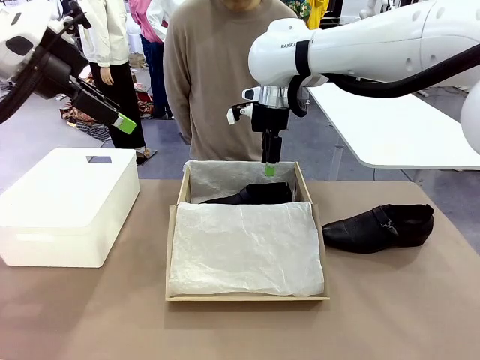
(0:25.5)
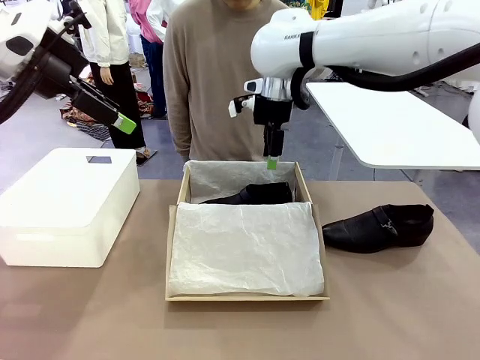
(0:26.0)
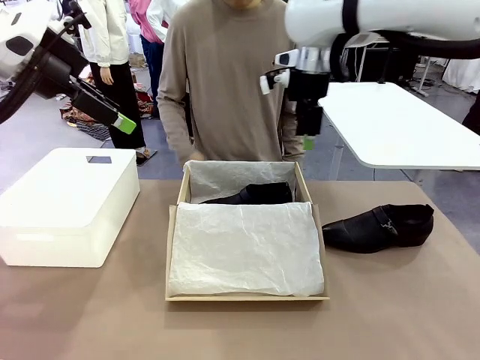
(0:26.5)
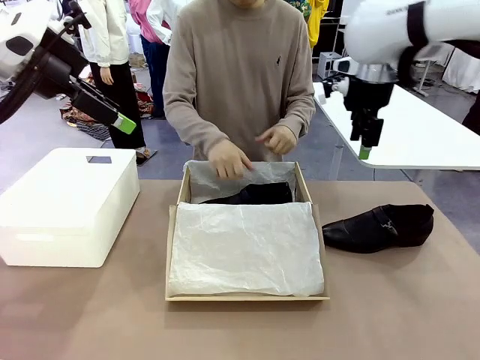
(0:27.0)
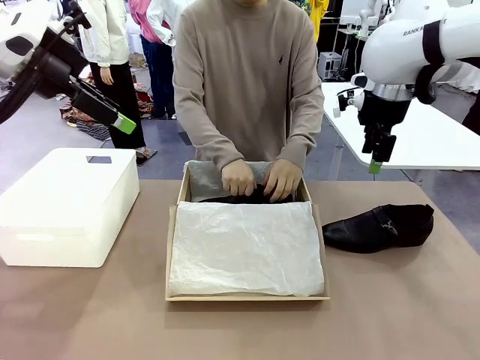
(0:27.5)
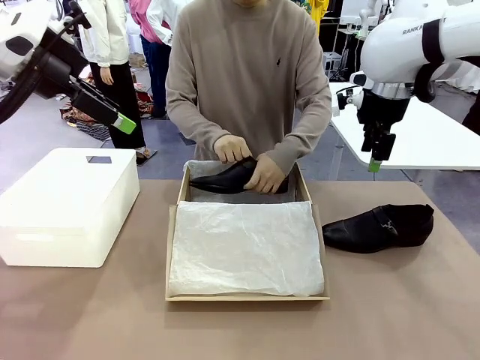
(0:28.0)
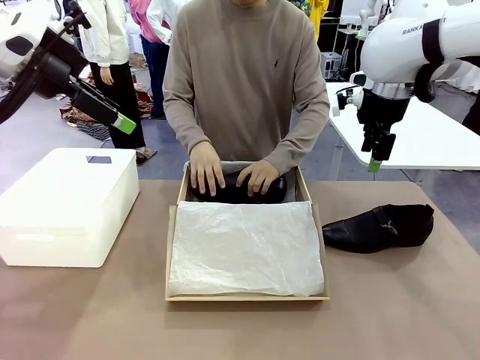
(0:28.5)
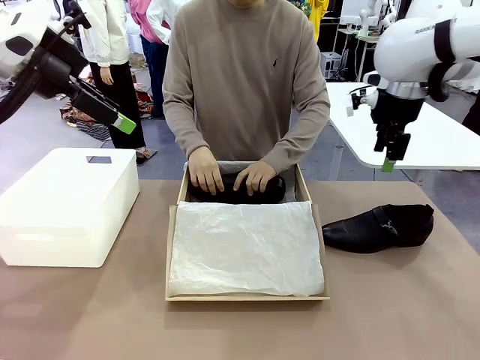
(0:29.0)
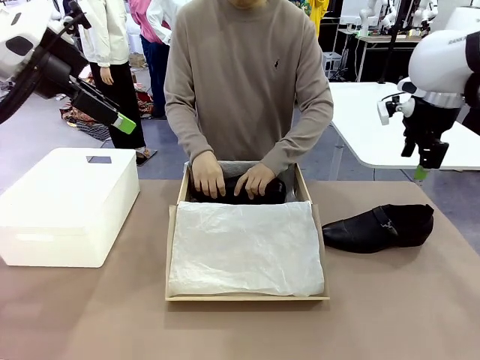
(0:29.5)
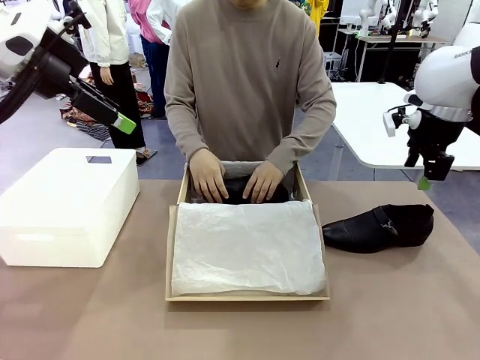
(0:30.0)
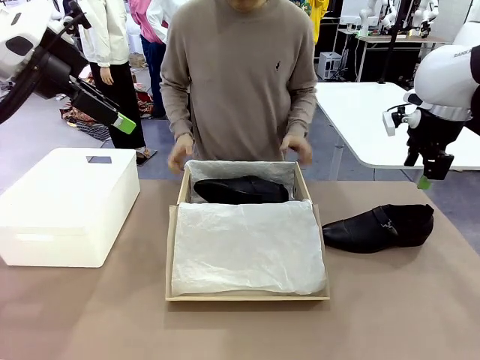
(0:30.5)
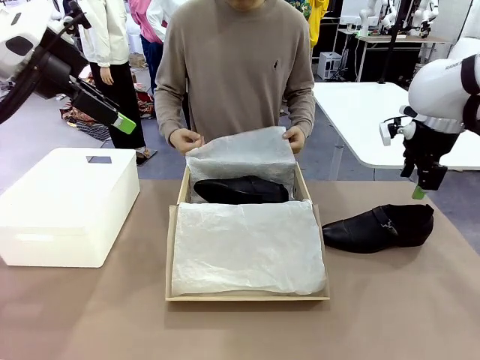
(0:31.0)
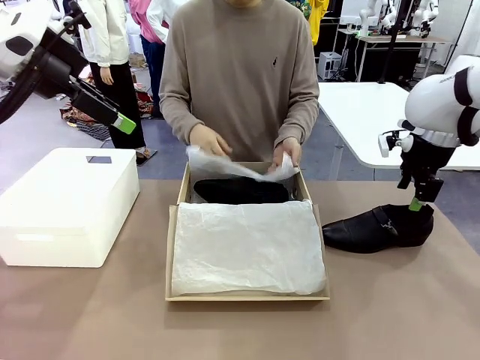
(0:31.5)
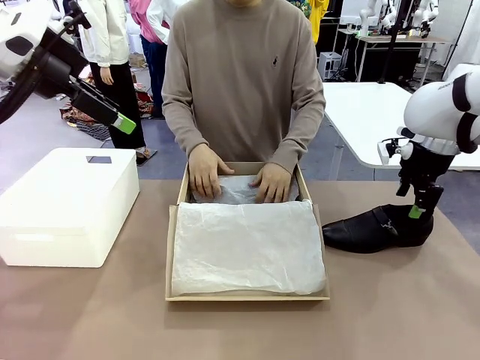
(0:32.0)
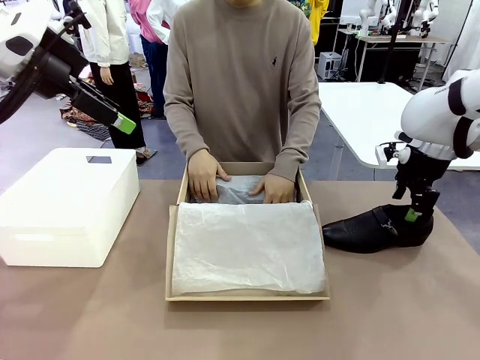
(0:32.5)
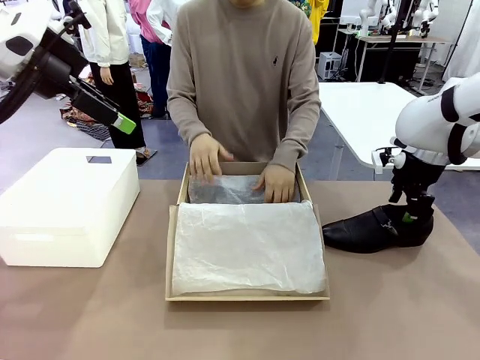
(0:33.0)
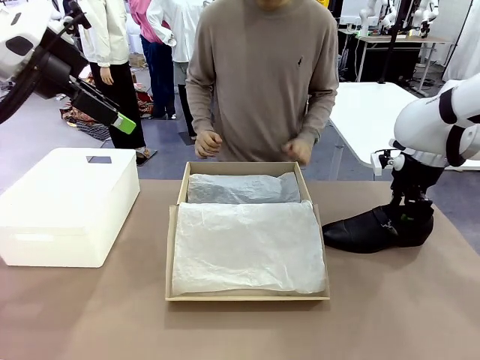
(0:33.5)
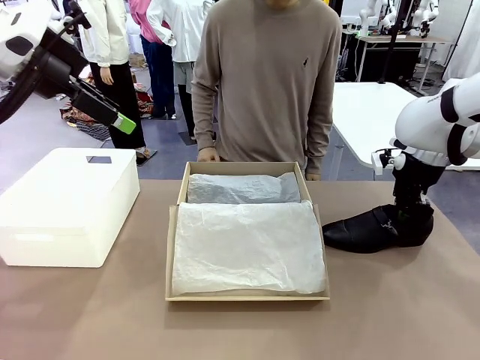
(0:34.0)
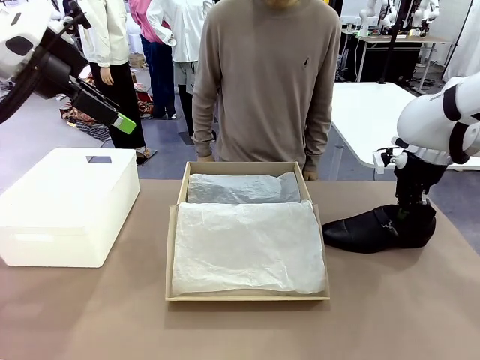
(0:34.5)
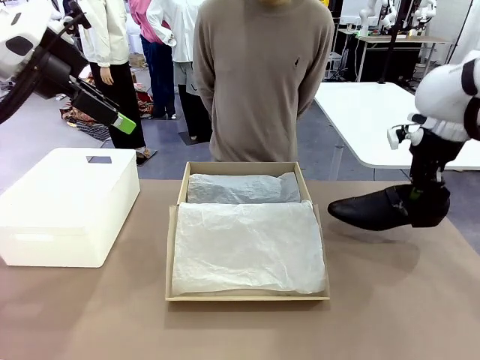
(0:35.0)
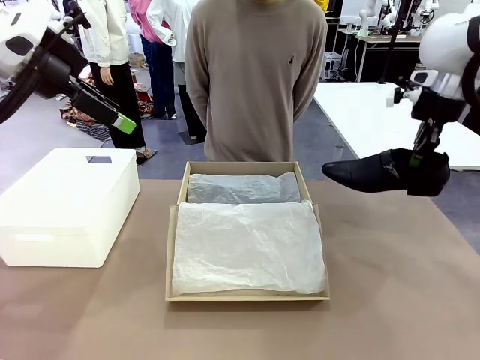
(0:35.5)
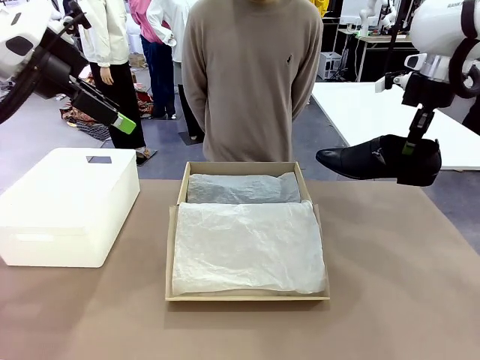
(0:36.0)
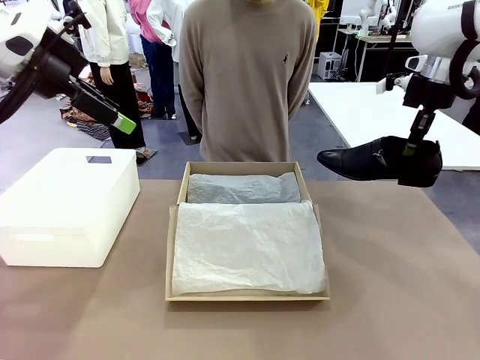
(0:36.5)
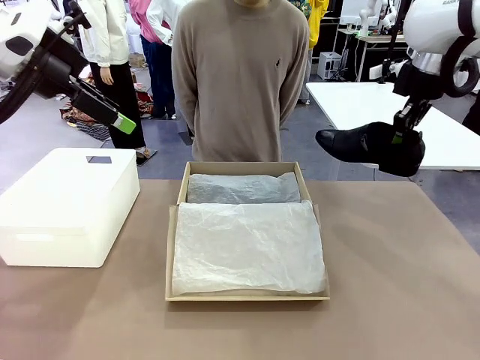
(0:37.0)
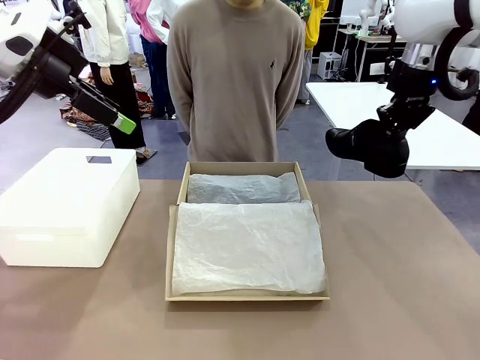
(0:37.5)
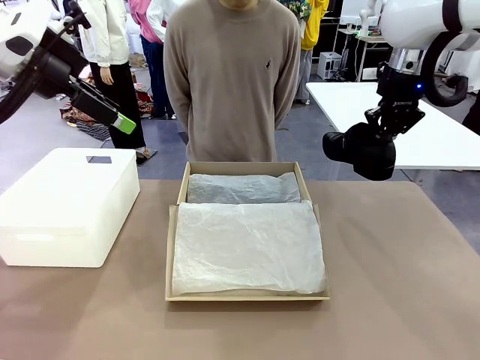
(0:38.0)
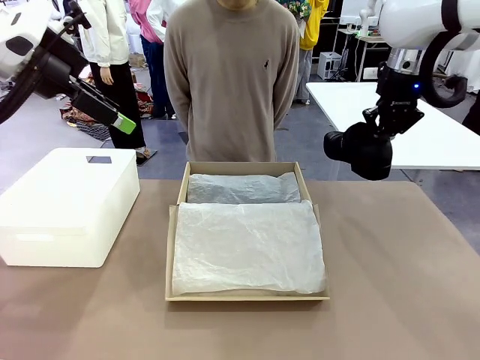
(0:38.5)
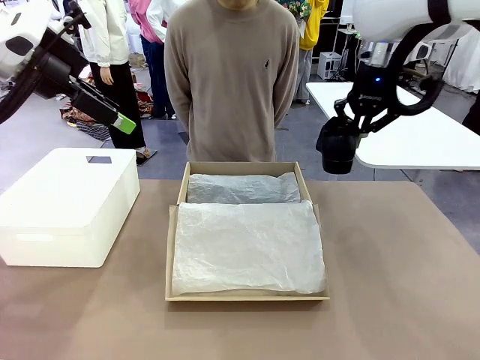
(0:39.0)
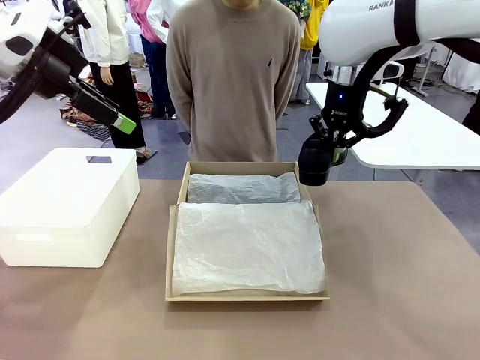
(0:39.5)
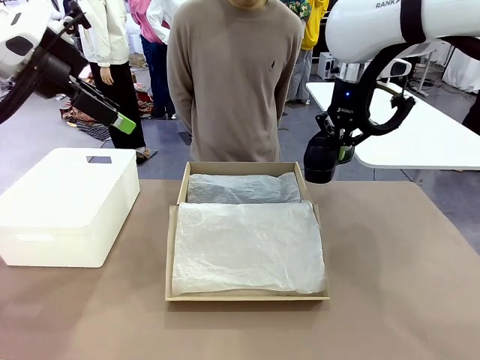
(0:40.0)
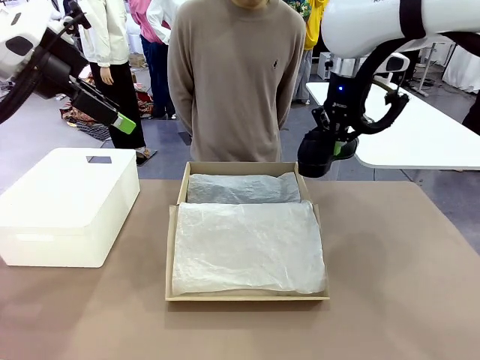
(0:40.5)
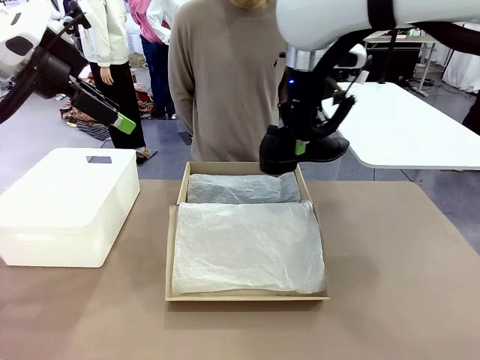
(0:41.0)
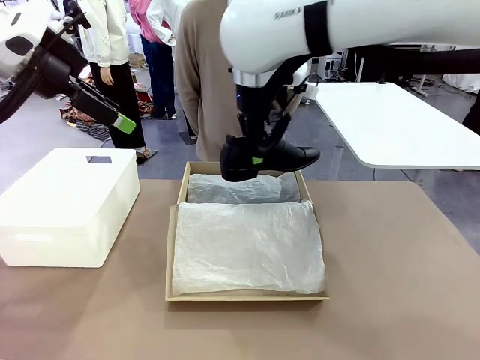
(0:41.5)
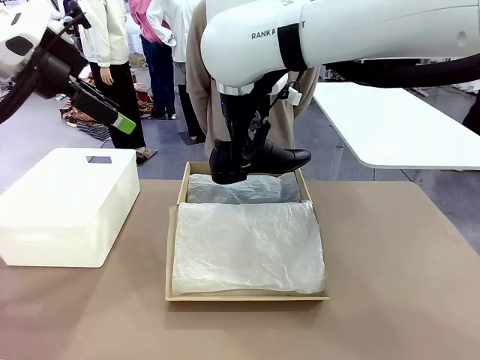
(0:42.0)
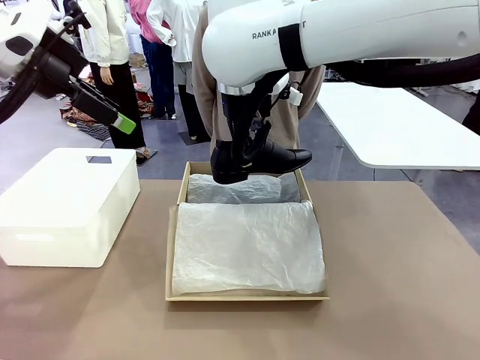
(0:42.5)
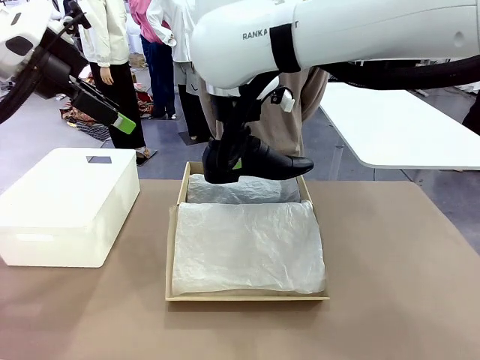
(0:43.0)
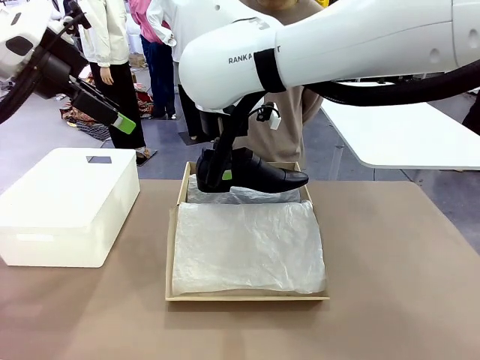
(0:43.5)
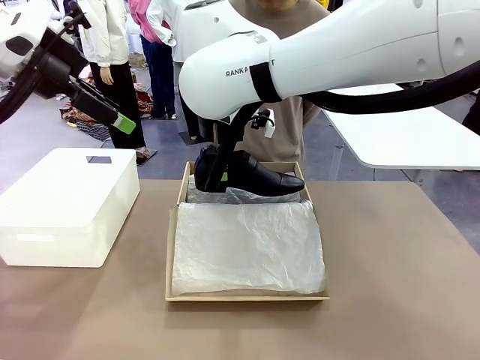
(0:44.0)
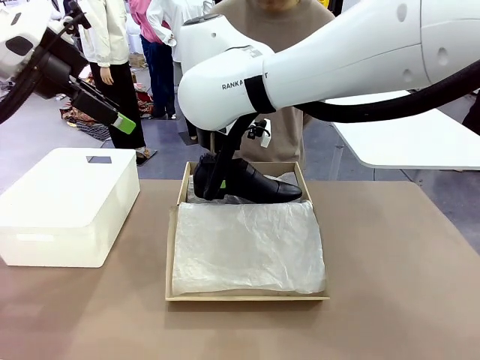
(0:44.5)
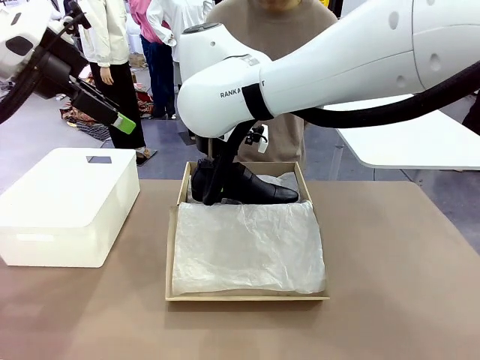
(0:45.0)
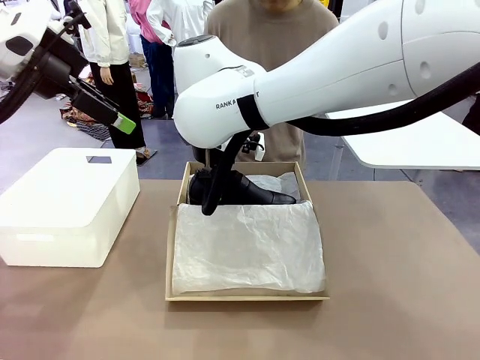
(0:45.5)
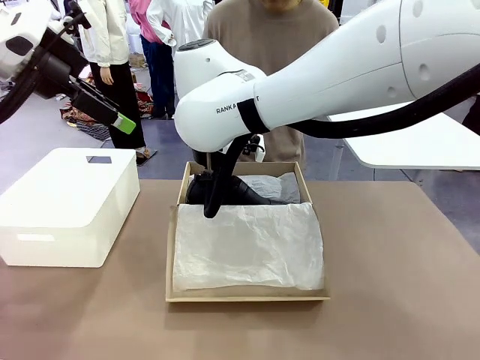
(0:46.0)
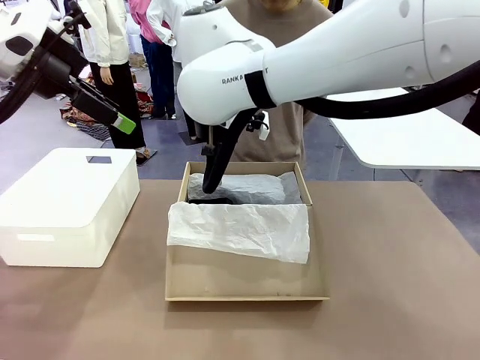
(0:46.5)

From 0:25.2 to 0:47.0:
Task: Pack the shoes into the box.
Robot: Place the other shoe of the Shoes into the Shoes Box.
Person: Pack a shoe of Shoes inside the Shoes Box with Shoes Wrapping Paper.
